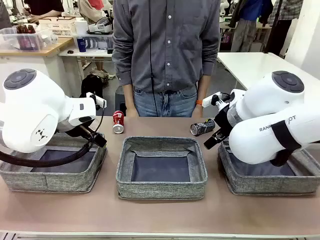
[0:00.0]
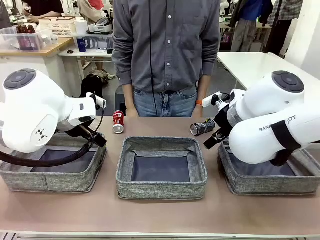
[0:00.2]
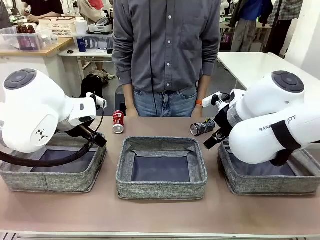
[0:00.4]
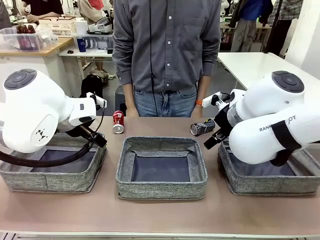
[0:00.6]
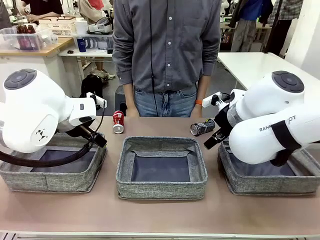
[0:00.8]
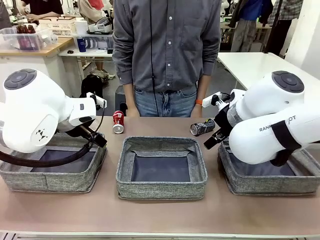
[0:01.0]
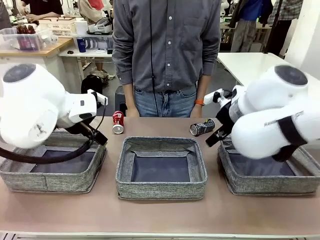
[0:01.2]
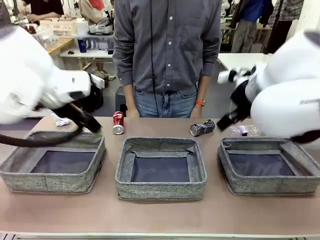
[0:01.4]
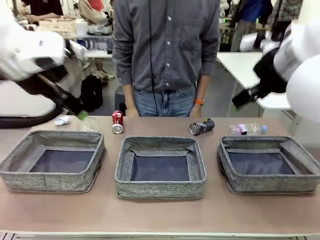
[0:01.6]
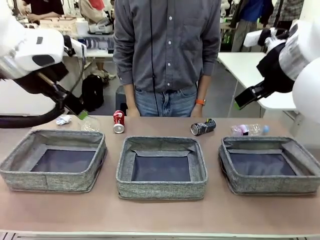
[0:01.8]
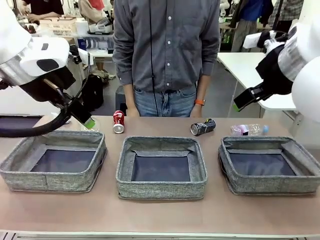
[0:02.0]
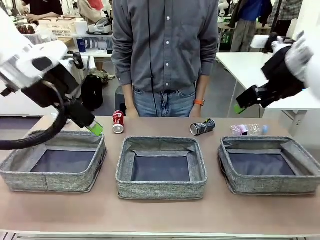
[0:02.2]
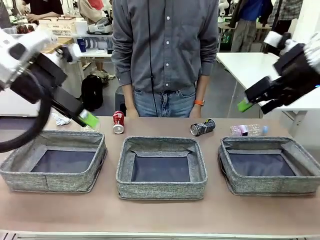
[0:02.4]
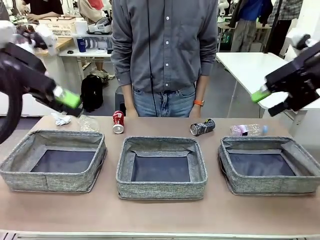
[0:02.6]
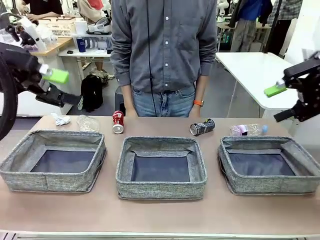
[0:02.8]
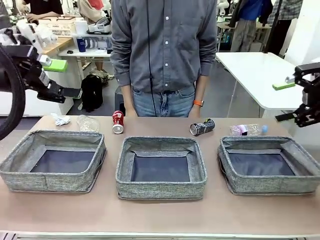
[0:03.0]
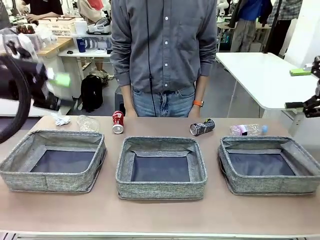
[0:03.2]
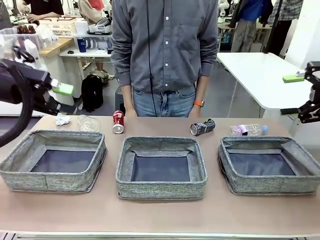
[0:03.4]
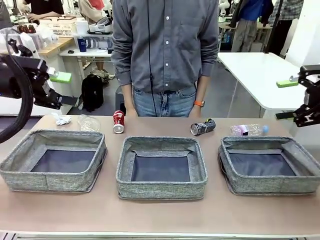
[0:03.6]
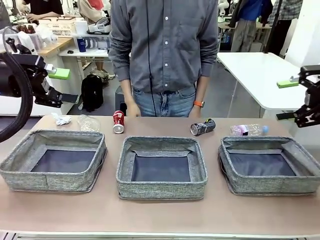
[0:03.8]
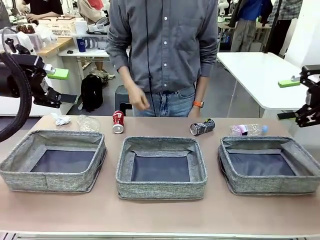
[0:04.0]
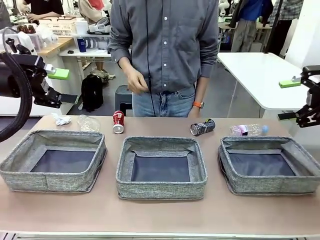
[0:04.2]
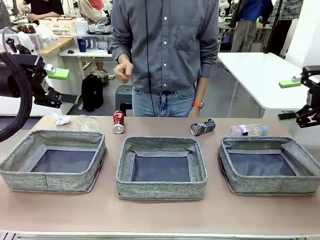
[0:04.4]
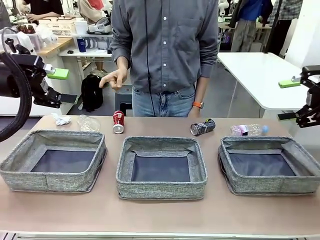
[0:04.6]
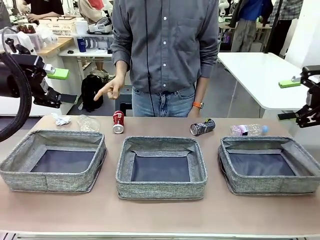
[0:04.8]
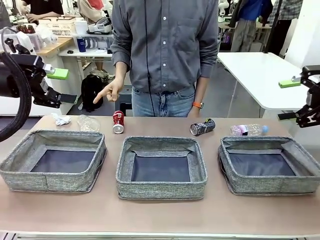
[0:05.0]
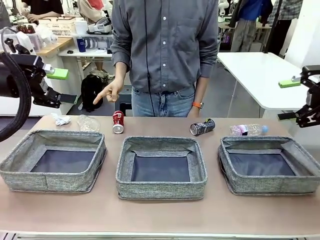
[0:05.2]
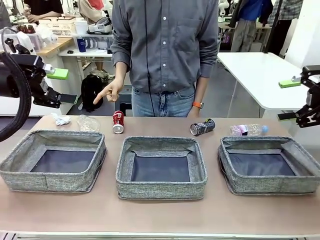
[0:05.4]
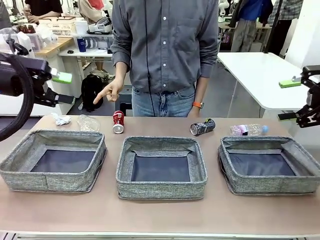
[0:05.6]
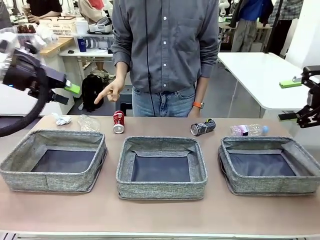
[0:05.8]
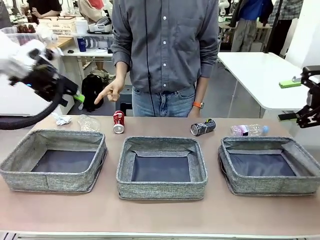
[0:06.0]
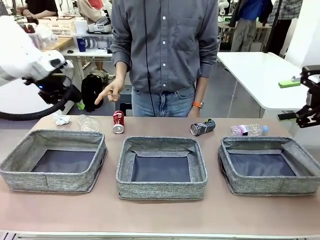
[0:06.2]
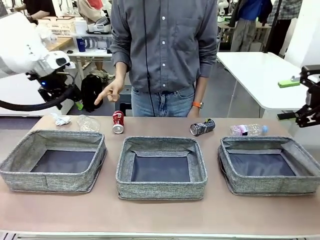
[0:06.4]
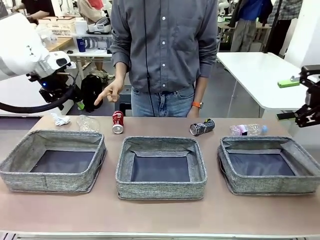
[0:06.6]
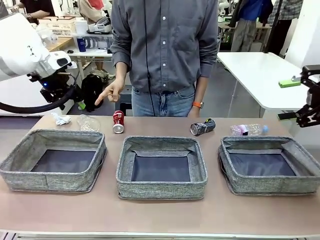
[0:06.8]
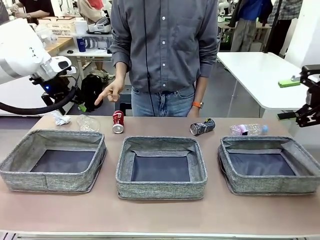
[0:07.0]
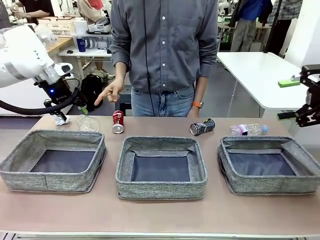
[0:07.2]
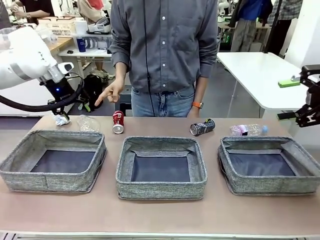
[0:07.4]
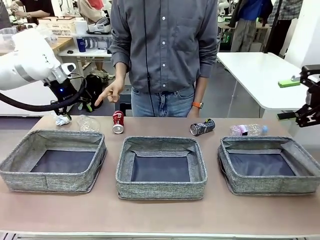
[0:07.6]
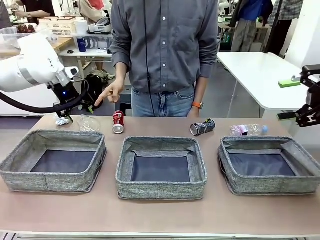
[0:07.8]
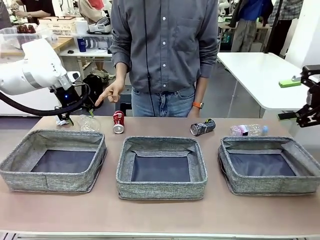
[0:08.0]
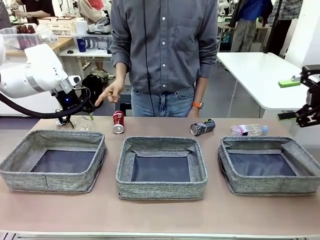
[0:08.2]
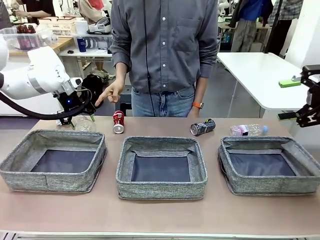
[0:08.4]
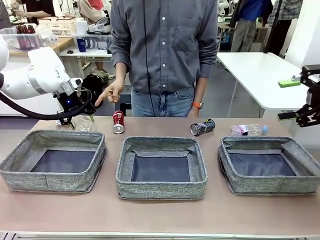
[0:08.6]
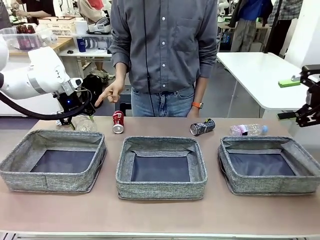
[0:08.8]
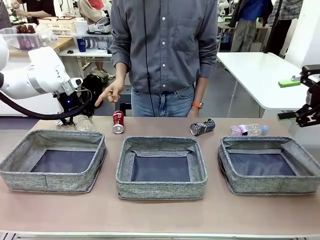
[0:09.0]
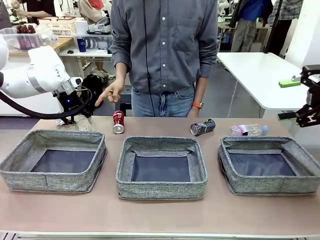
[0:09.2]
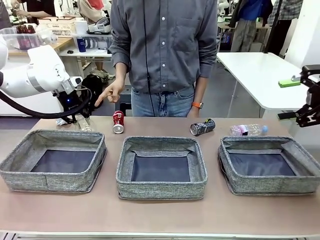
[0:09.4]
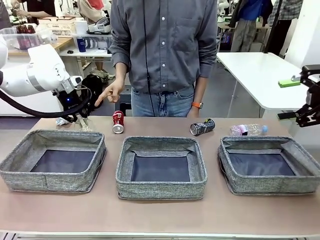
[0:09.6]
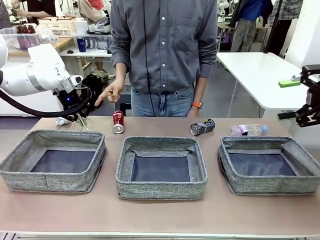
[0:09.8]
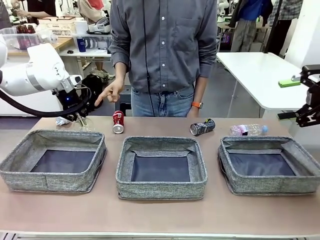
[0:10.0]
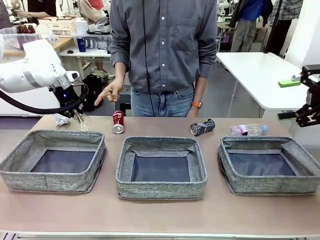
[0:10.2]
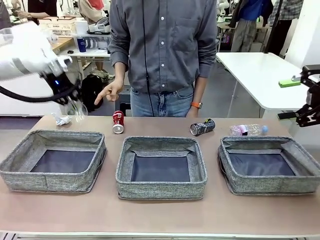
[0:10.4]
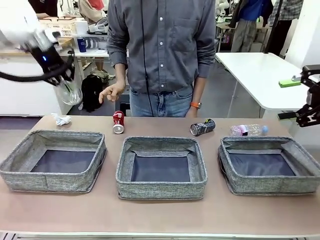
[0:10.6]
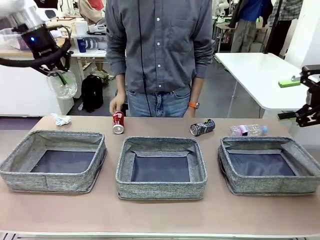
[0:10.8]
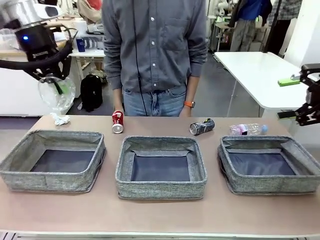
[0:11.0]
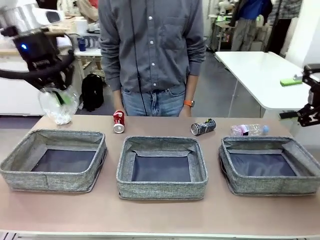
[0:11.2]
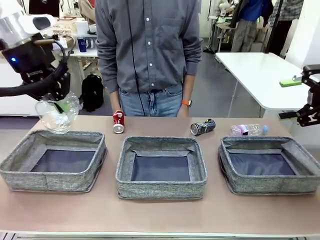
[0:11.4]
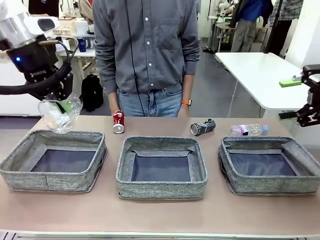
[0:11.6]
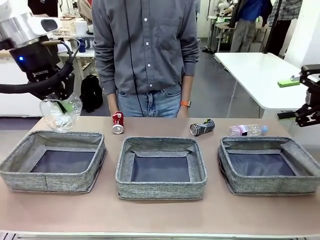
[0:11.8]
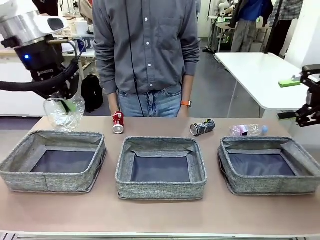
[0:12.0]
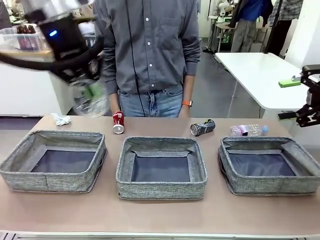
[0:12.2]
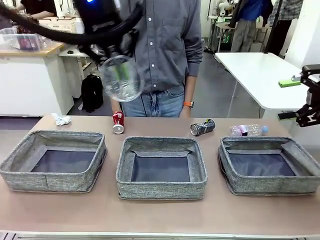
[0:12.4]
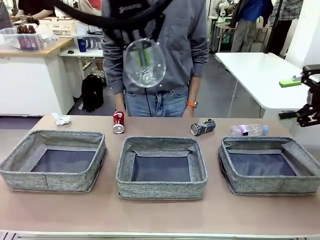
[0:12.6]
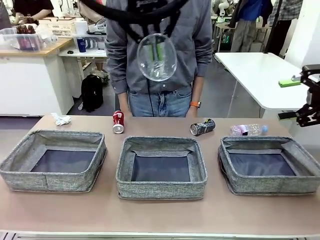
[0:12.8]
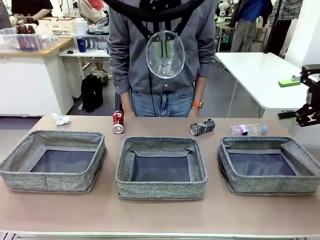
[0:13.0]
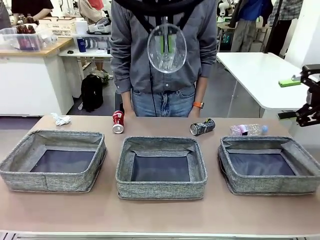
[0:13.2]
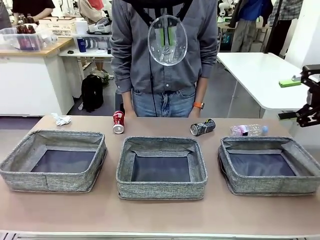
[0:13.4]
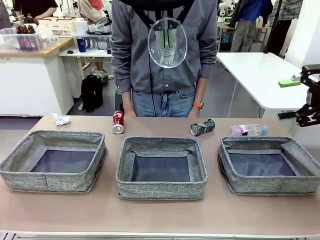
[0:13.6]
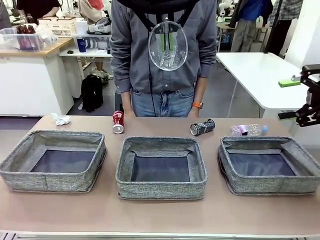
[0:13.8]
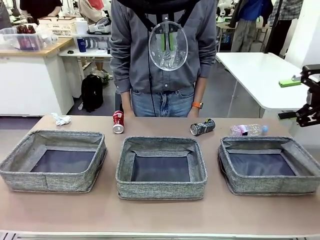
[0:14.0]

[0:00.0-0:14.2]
Task: Sort the waste into the appropriate baskets.
Robot: Pick up the waste item pointed out by the person.
Person: Points to one piece of trash on the table.

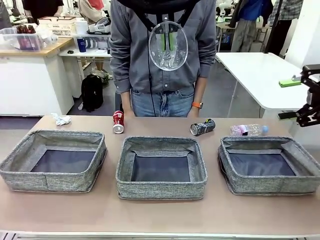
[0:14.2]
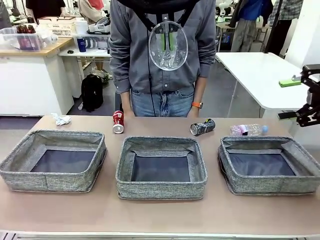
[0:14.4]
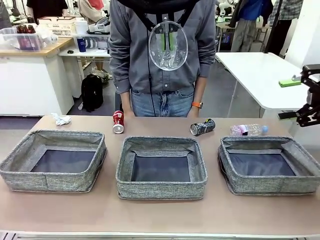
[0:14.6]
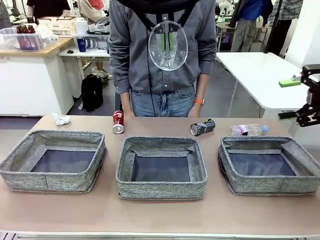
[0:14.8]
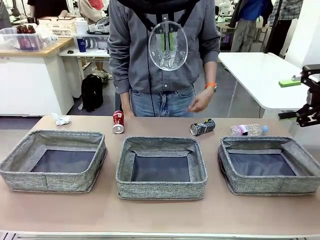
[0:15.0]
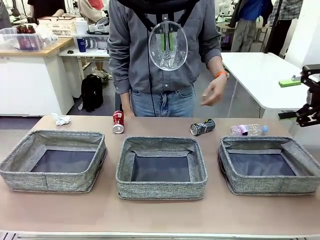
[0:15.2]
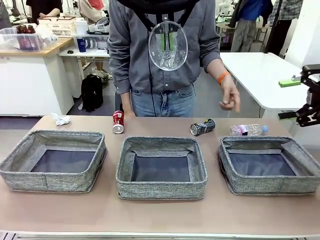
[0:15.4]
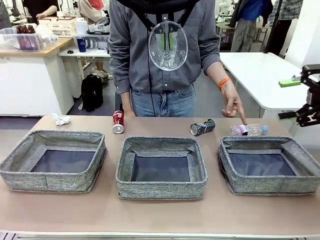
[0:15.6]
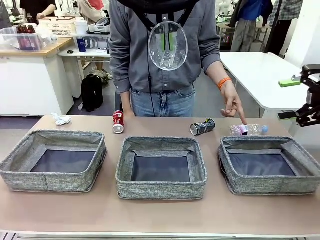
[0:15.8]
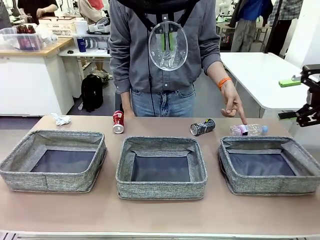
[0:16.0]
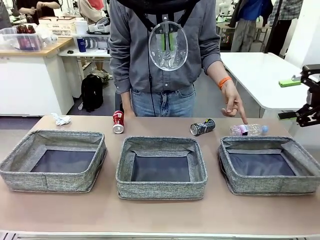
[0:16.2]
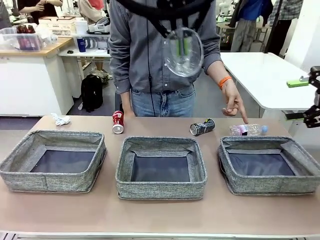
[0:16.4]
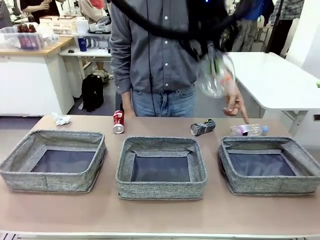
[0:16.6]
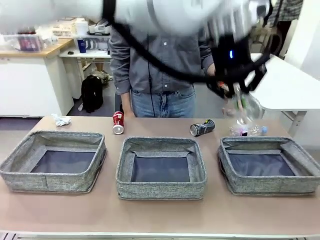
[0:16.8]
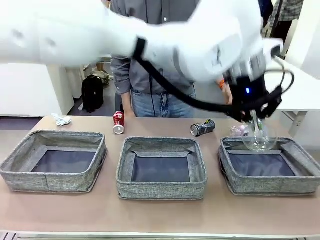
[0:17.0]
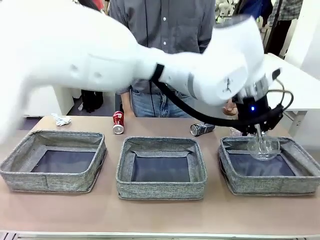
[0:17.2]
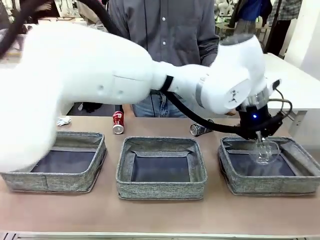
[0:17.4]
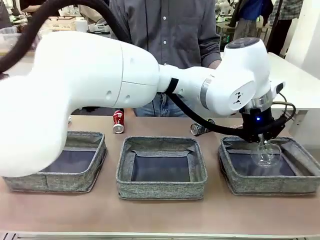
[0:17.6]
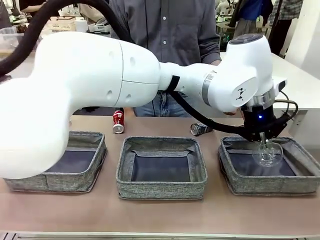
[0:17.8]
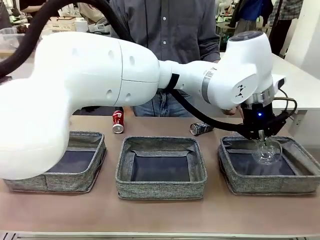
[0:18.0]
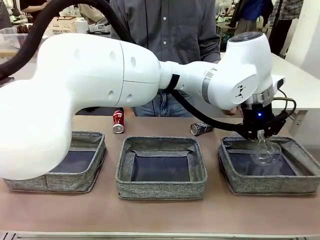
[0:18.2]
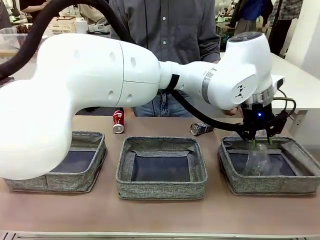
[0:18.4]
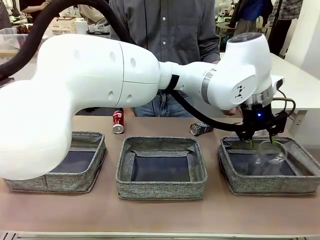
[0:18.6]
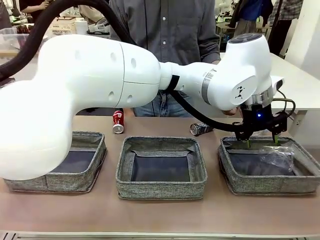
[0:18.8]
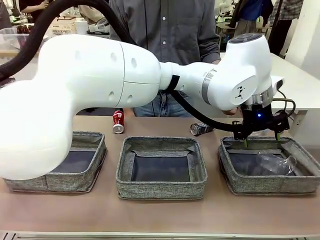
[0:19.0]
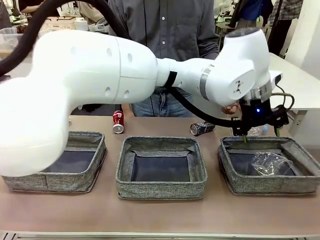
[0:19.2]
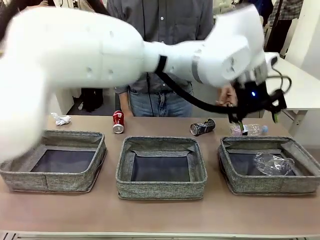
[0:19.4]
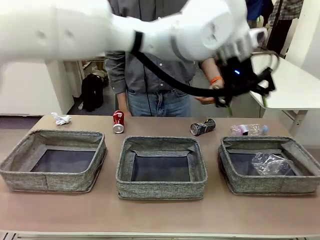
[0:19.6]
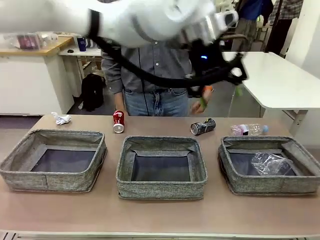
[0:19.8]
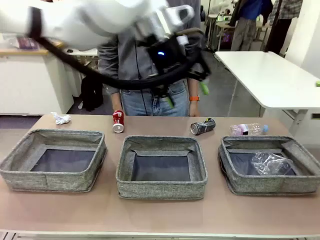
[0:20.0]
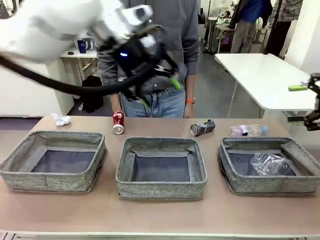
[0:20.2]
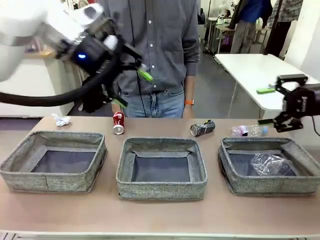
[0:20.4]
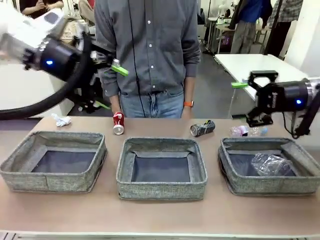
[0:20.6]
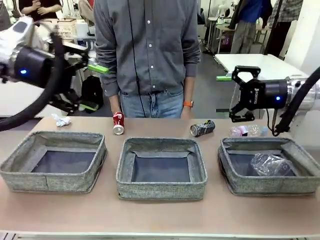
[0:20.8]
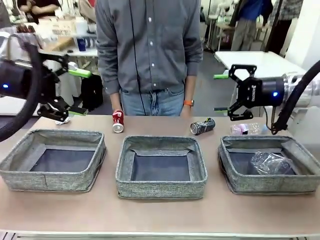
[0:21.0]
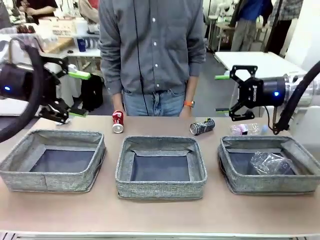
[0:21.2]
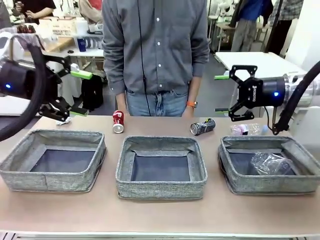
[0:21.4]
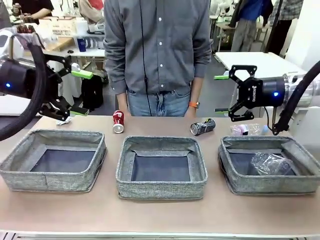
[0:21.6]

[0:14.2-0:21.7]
Robot: Place the picked waste into the Fabric basket indicated by the person.
Person: Instructs the robot to place the picked-up trash into the appropriate organizing basket.
